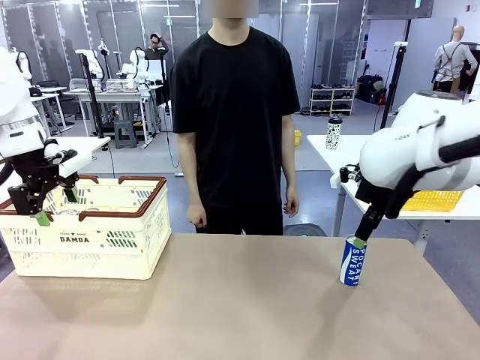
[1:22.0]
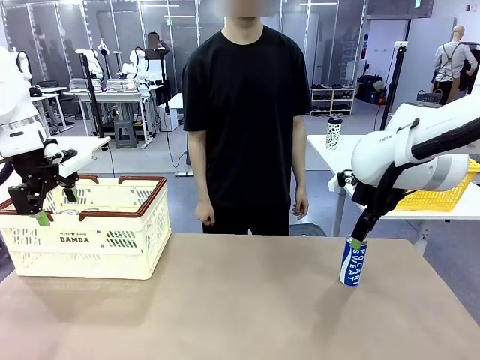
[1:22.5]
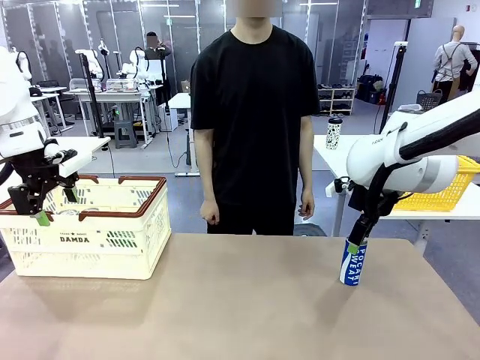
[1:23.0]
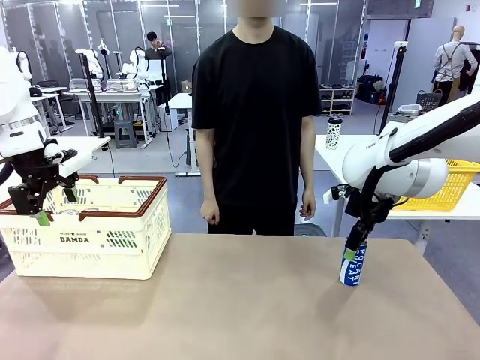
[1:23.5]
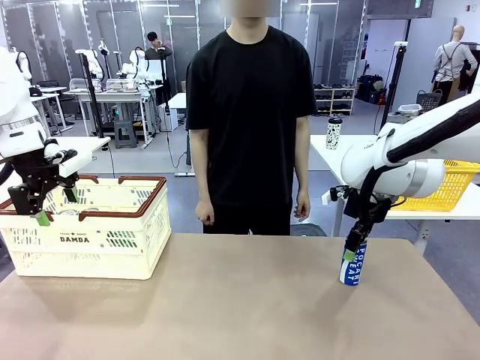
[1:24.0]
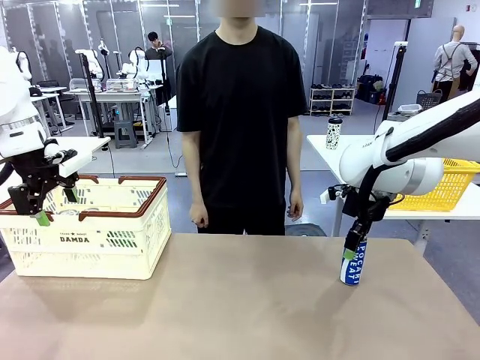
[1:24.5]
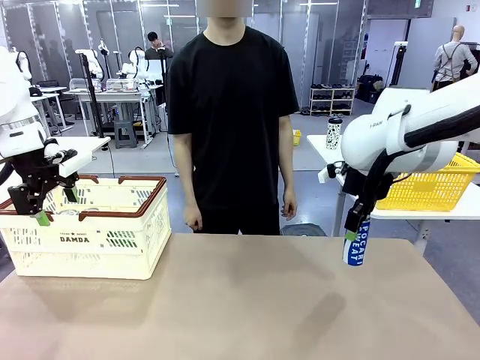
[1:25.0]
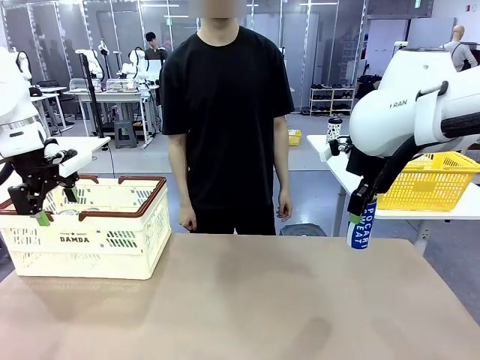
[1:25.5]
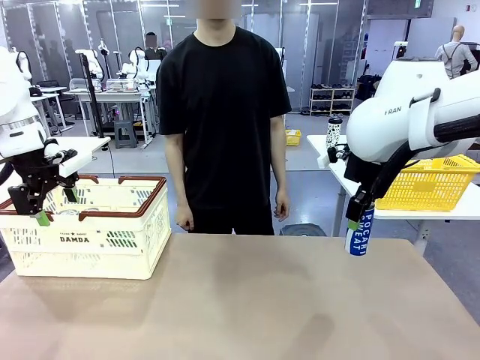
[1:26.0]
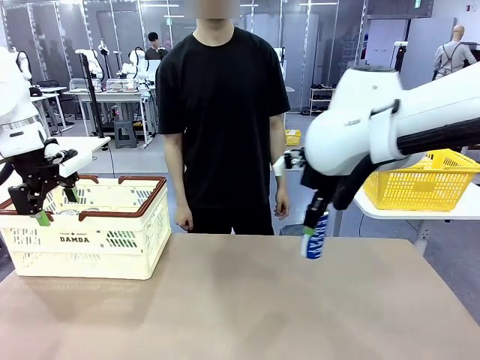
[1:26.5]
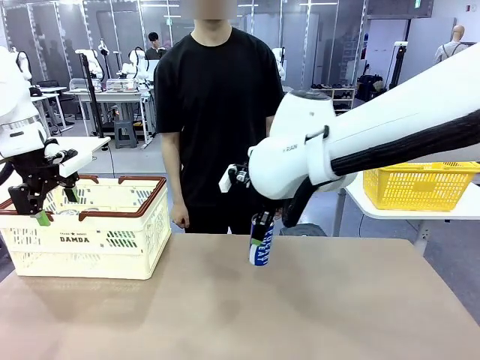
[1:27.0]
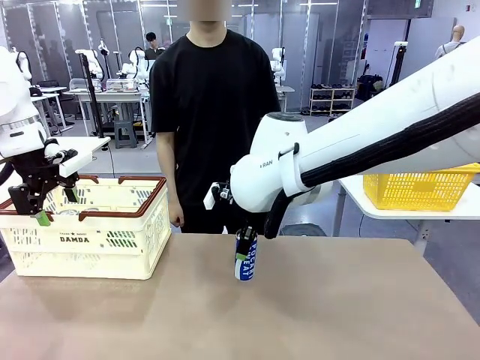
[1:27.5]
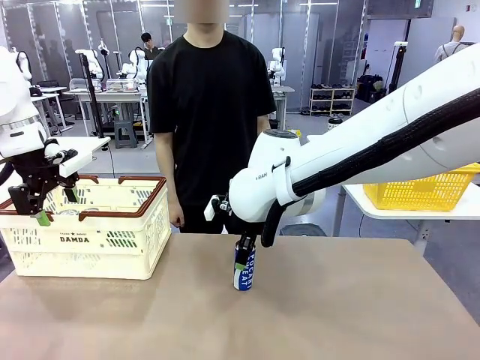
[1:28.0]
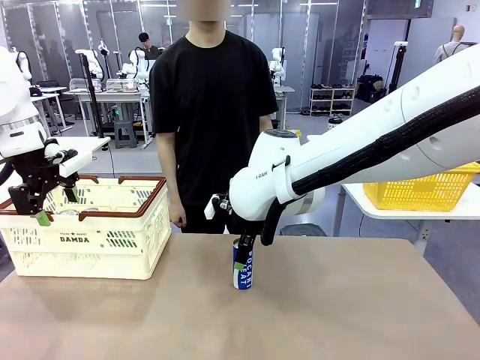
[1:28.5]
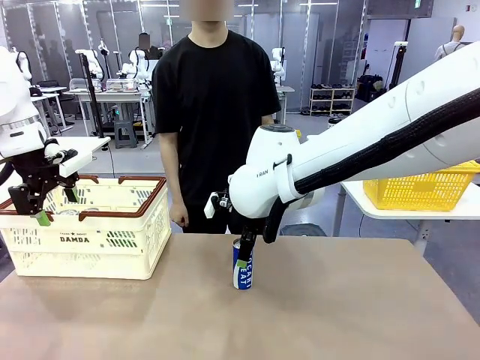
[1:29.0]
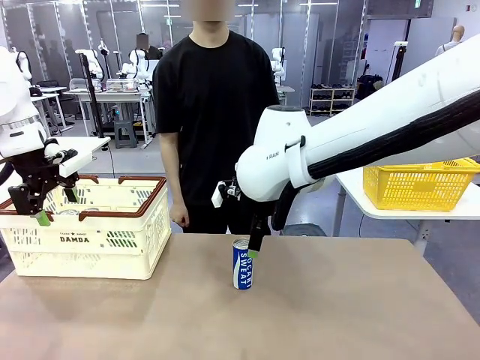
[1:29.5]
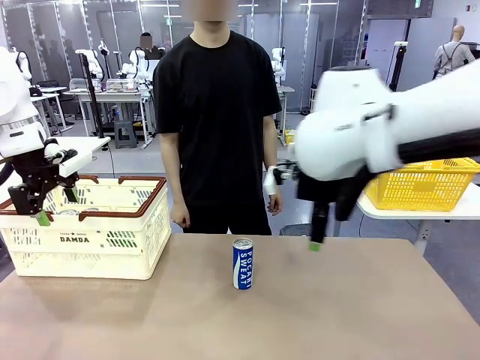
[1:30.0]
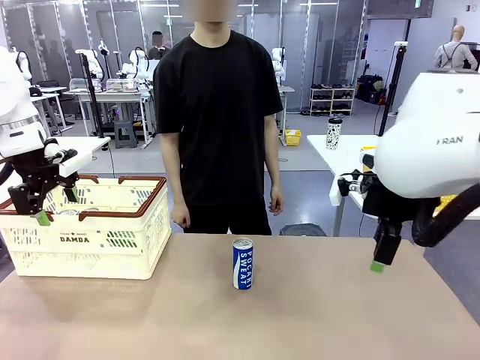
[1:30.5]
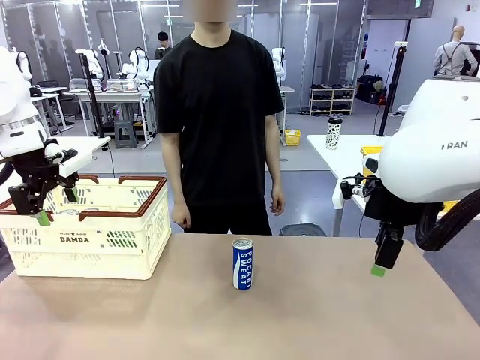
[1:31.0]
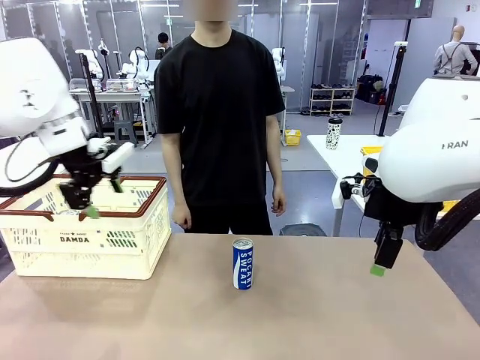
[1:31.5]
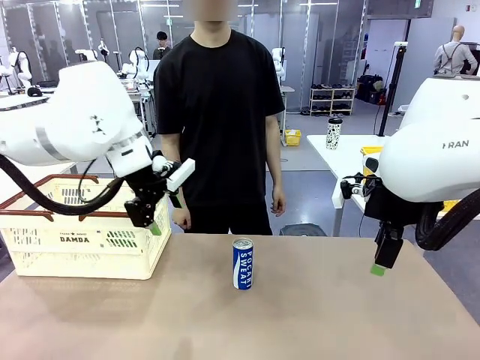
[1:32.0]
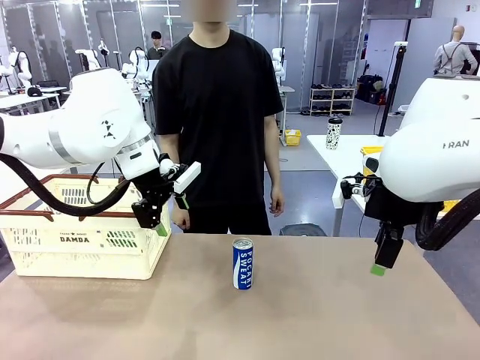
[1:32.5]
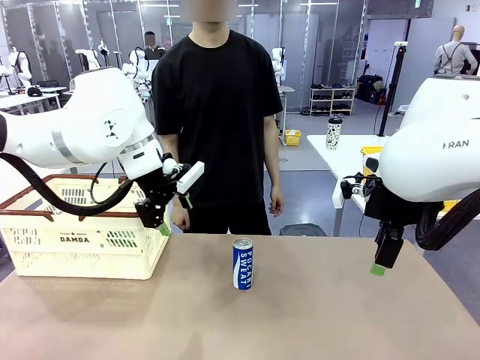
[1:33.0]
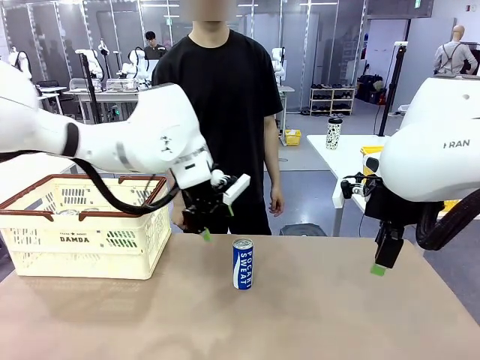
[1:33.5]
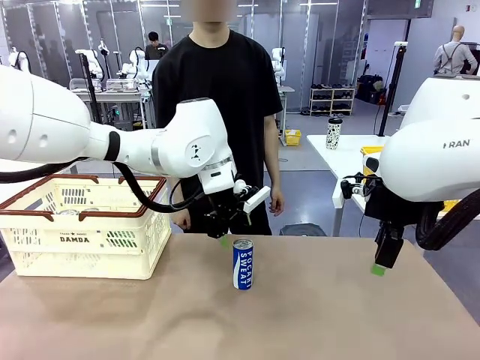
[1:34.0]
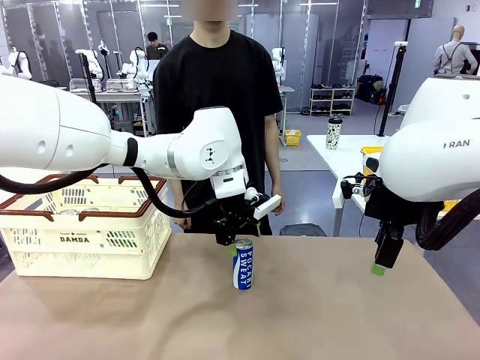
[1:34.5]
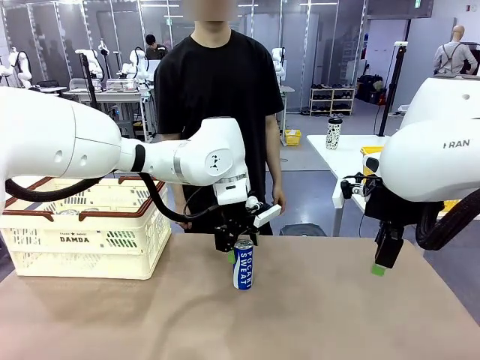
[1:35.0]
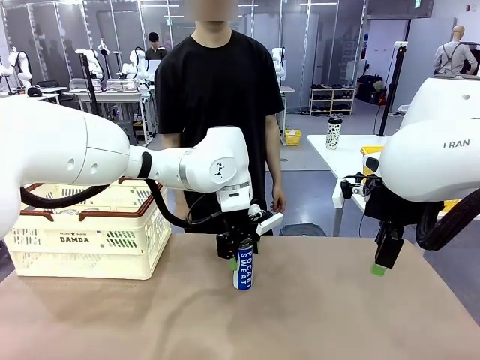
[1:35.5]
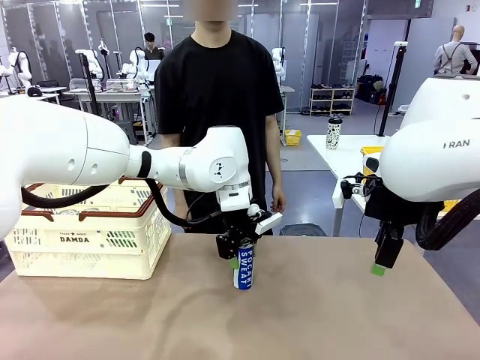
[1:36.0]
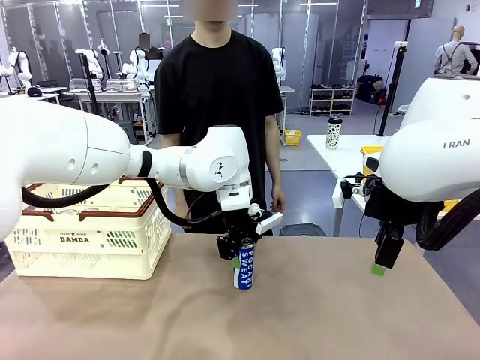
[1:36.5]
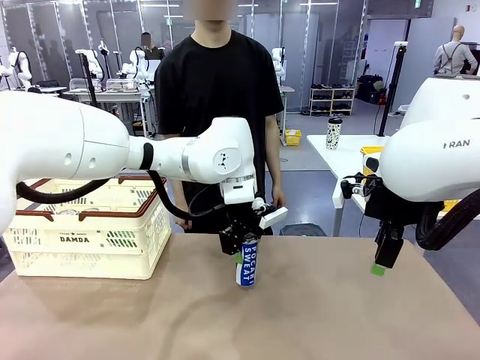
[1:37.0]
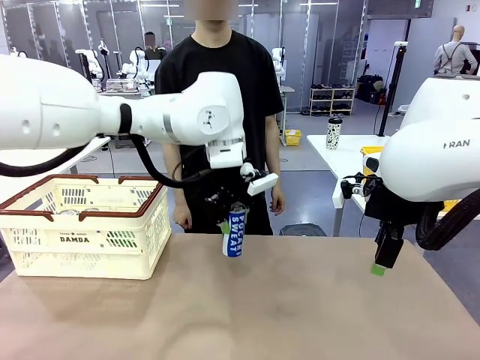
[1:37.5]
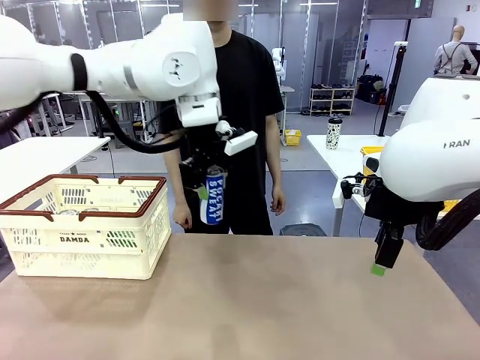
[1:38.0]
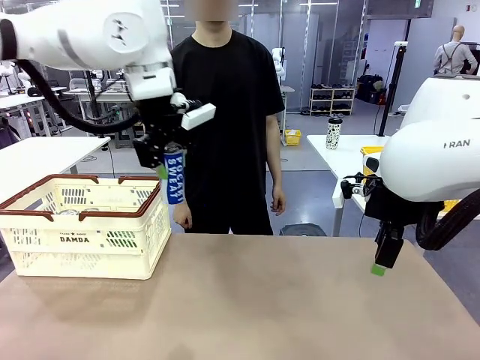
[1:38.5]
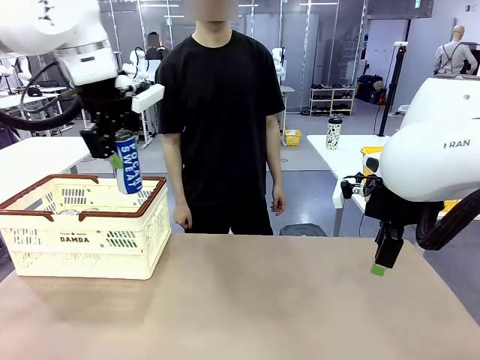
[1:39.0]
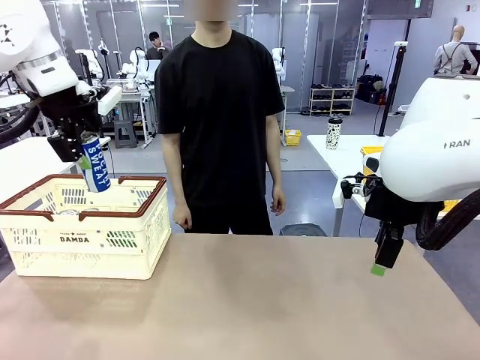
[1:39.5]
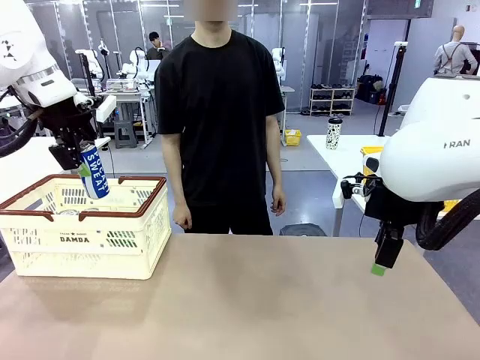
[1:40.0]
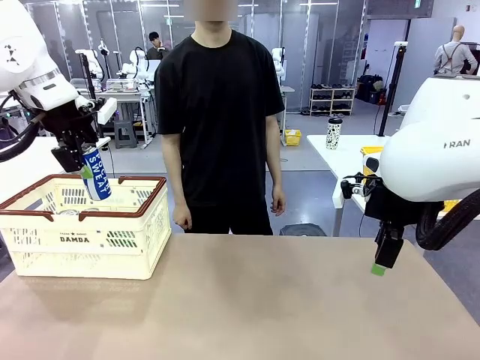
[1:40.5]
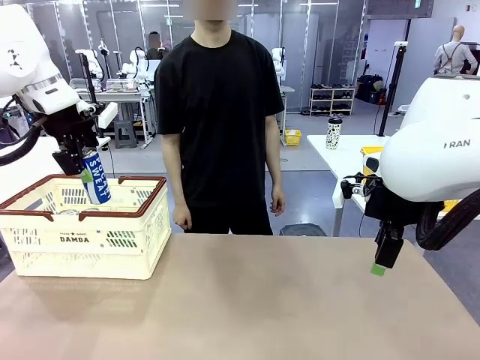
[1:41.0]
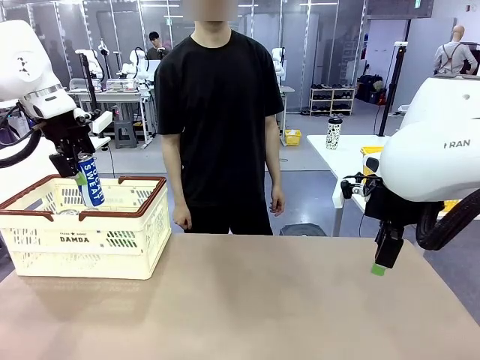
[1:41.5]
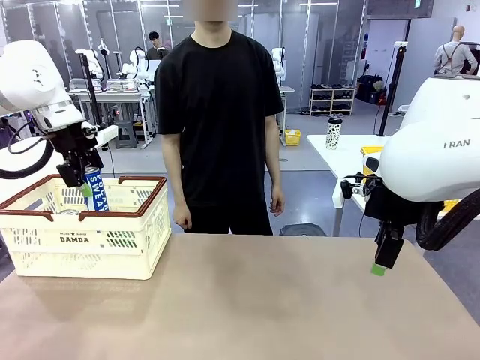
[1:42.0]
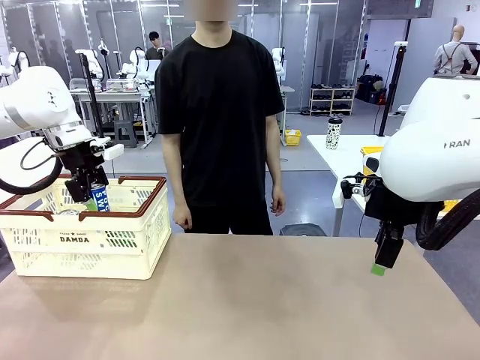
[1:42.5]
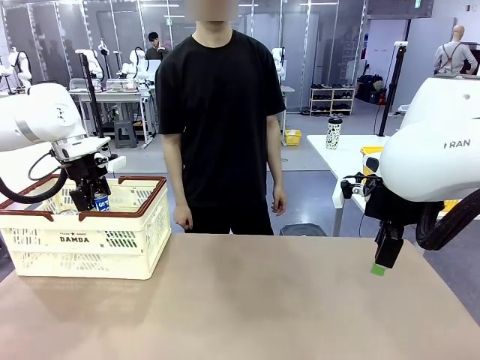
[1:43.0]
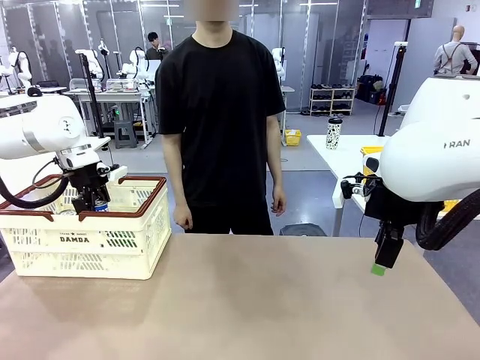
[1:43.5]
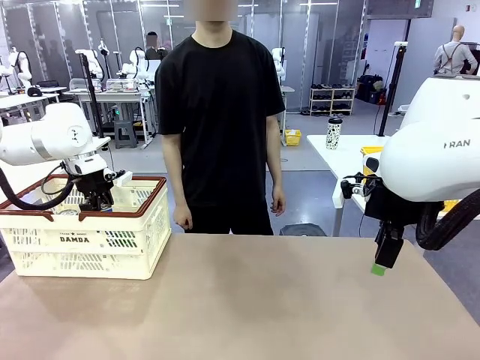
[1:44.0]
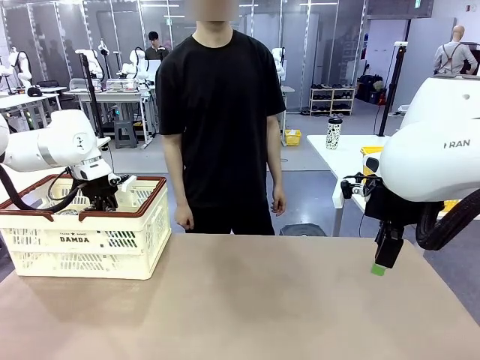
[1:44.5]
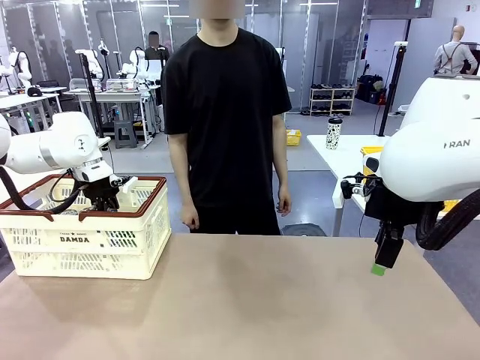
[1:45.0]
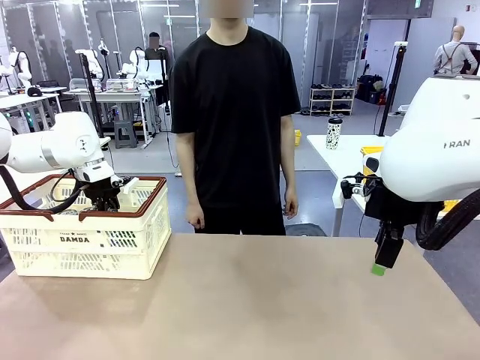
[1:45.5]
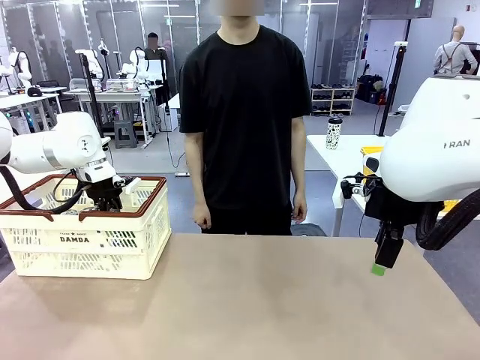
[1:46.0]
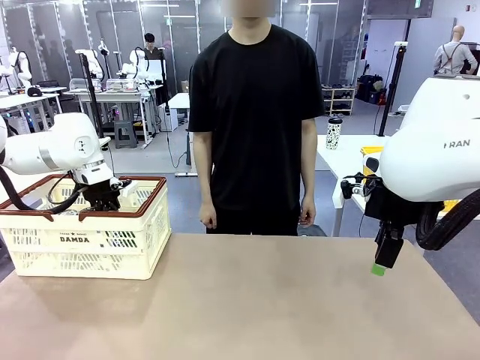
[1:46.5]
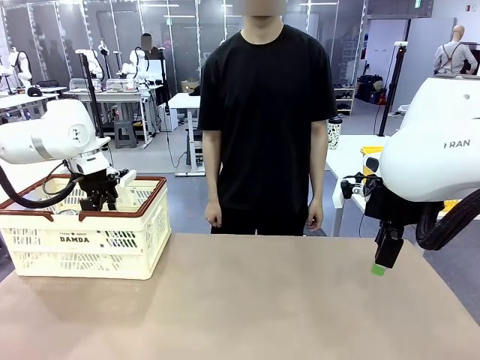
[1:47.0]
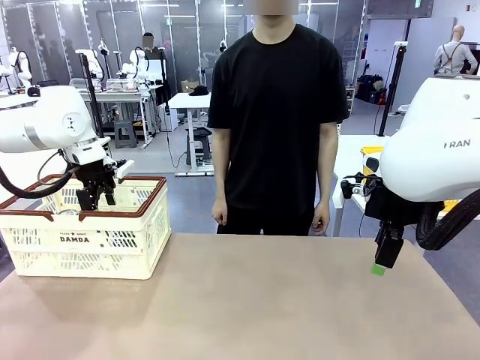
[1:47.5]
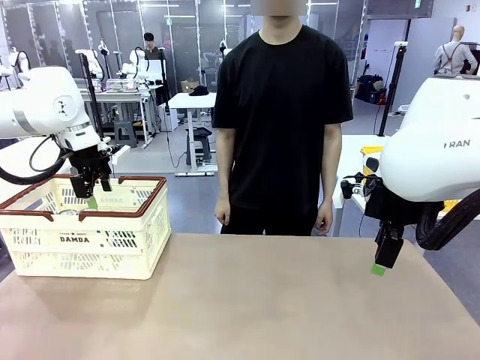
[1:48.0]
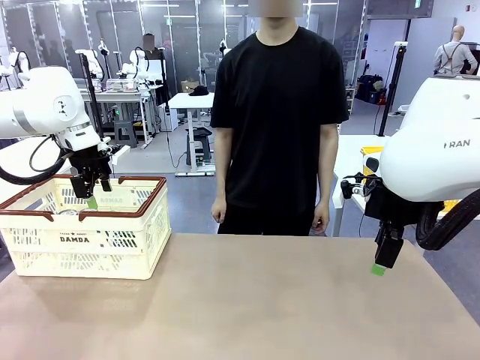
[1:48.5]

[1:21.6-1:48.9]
Task: Place the drinks into the Shopping basket.
Robot: Pick up one drink and place it into the Shopping basket.
